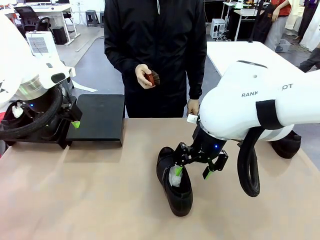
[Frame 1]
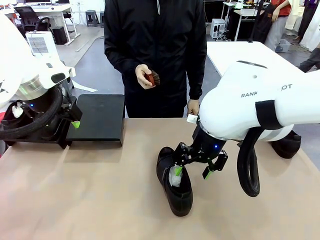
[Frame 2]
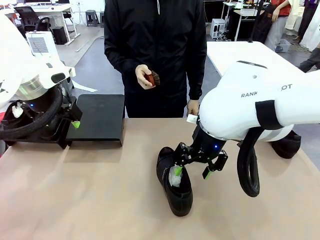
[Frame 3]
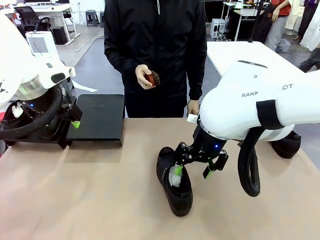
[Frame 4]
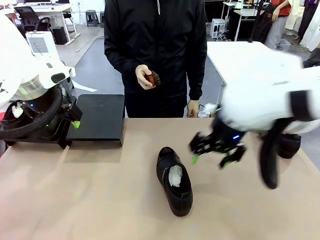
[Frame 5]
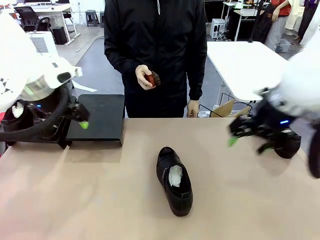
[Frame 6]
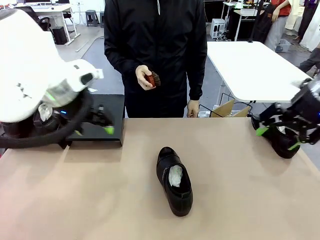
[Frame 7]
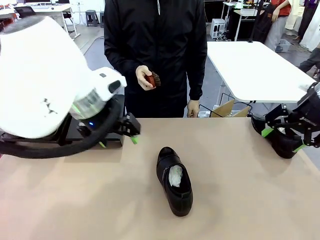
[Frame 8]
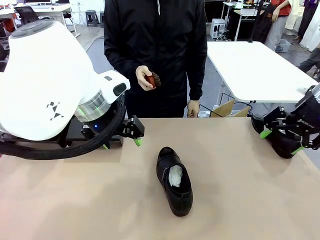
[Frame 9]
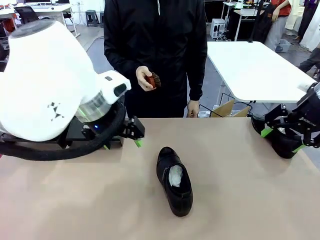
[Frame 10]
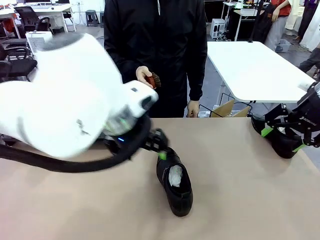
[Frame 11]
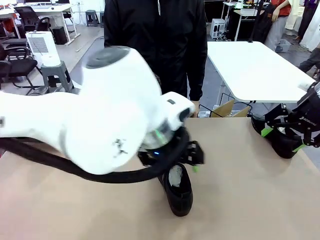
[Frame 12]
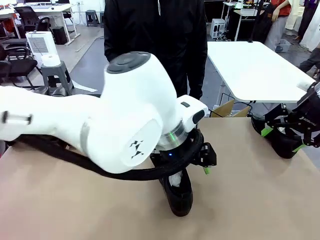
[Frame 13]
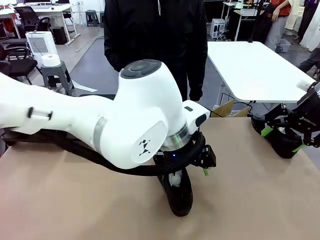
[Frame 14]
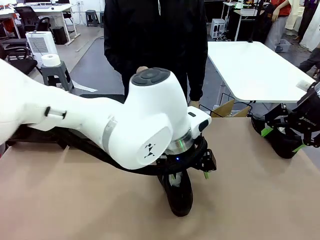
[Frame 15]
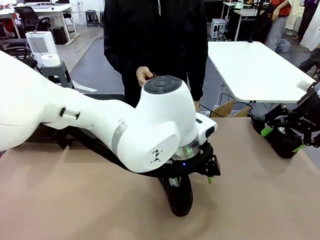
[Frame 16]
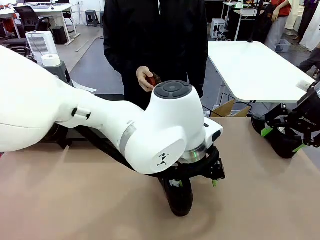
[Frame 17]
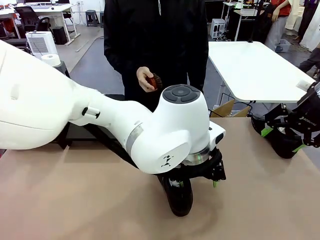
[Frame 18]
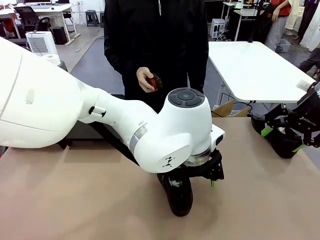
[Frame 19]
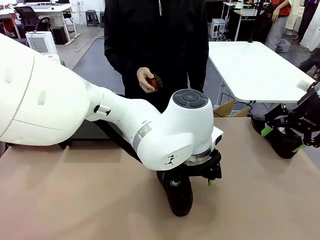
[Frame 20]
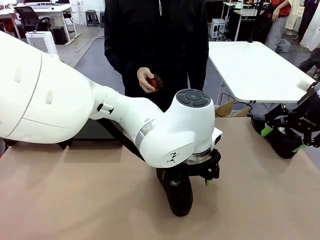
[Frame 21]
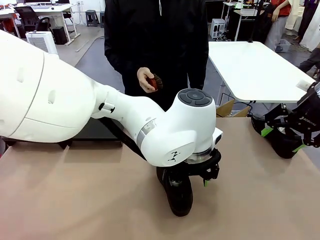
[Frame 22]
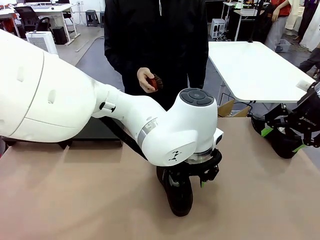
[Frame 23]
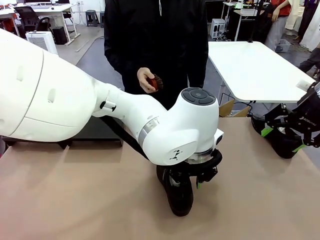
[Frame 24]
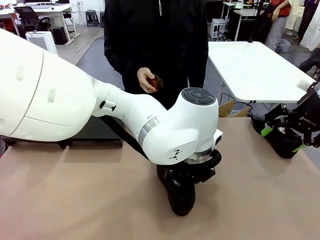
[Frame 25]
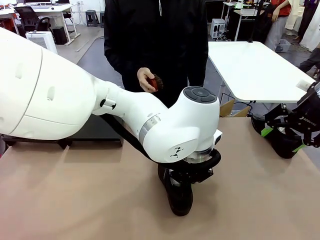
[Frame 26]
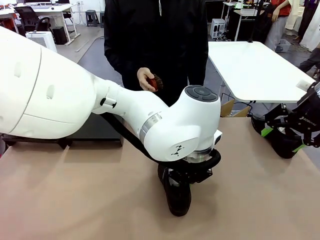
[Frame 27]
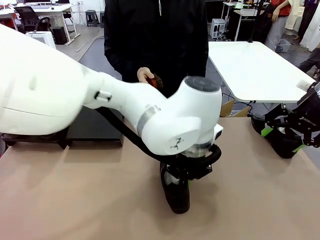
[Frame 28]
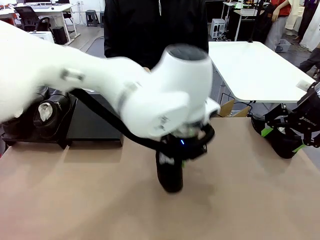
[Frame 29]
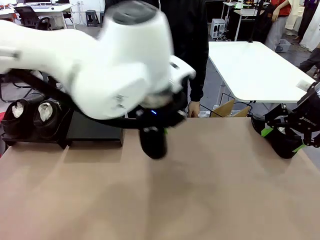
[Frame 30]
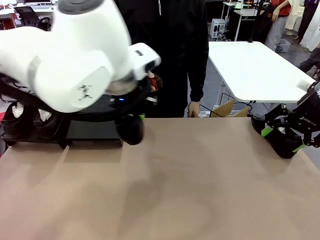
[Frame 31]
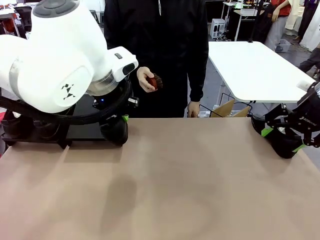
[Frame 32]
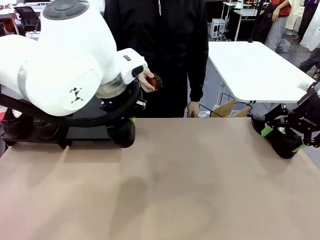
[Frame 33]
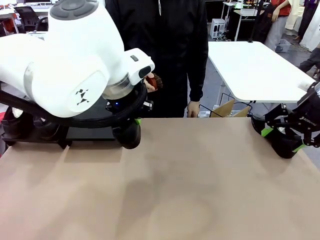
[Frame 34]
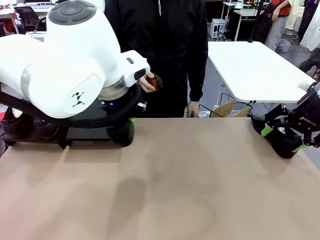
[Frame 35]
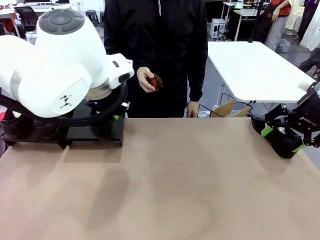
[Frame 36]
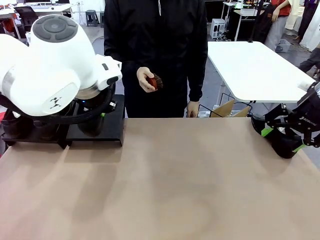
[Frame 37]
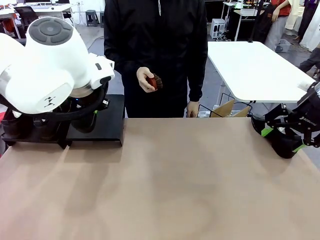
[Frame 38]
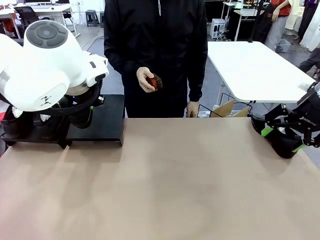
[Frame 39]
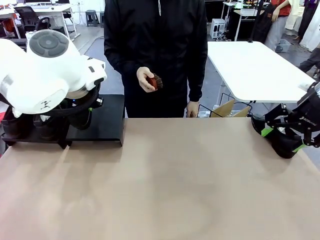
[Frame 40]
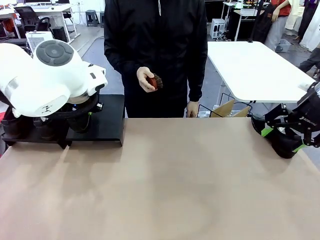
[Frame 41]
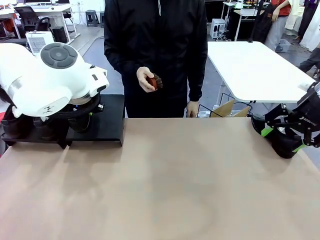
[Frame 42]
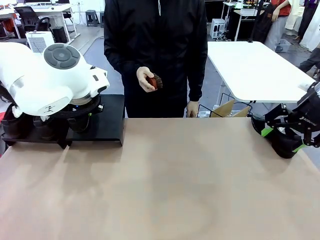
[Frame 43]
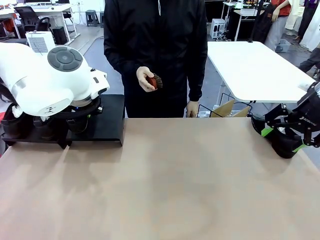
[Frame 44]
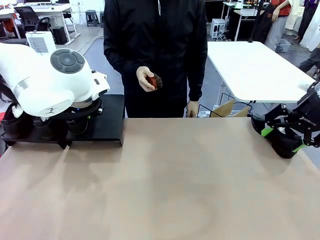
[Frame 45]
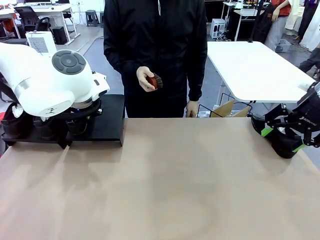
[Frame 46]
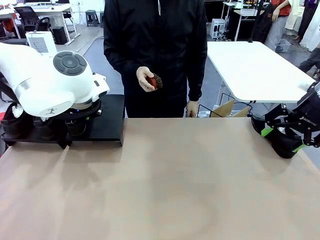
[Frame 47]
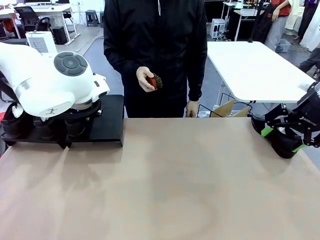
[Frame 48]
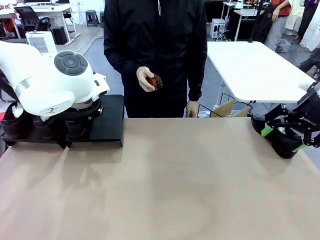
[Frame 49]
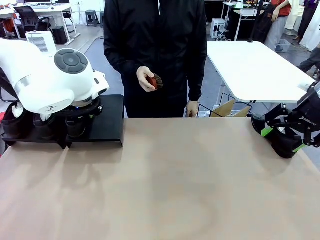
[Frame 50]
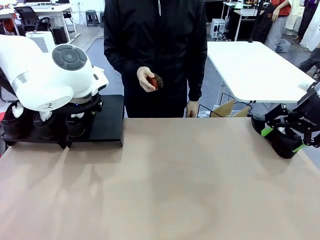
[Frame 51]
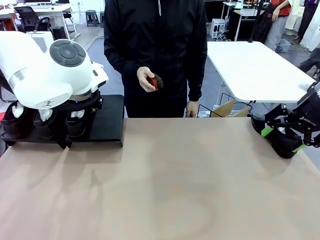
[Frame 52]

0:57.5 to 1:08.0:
Task: Organize the shoes by placing them on the stand.
Robot: Place the Shoe from the middle of the table onto the Shoes Stand.

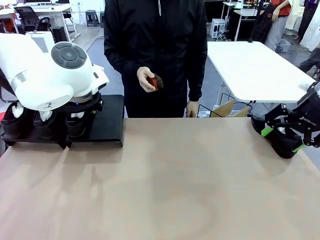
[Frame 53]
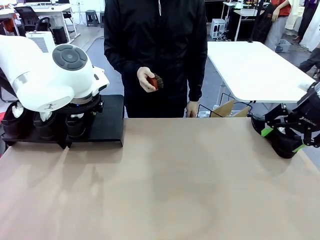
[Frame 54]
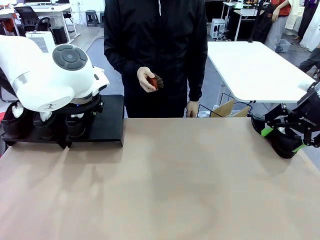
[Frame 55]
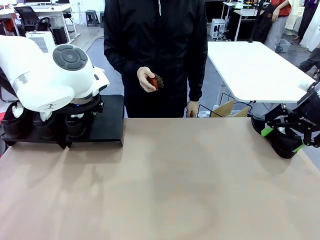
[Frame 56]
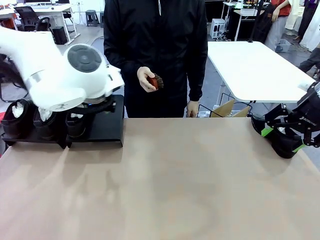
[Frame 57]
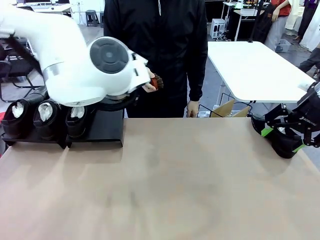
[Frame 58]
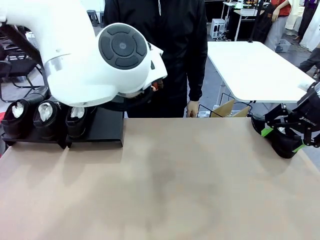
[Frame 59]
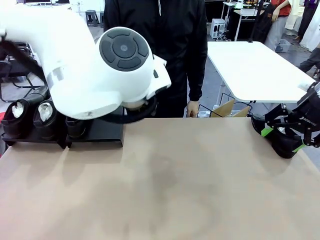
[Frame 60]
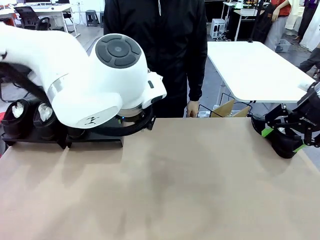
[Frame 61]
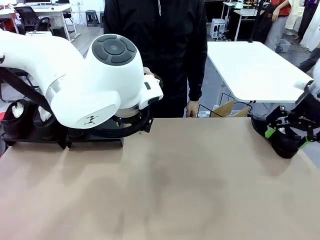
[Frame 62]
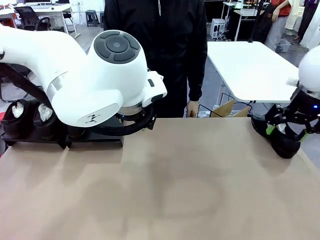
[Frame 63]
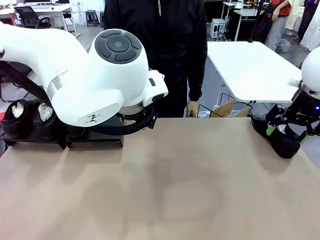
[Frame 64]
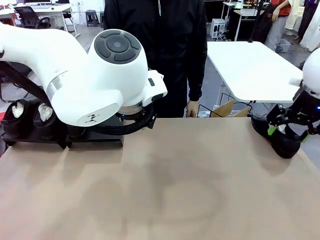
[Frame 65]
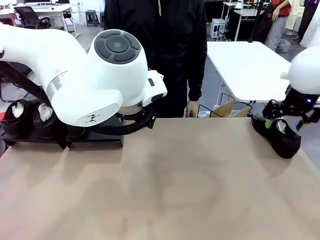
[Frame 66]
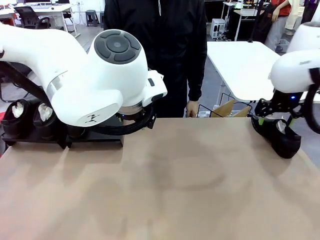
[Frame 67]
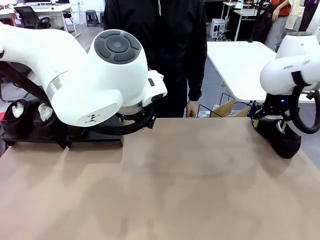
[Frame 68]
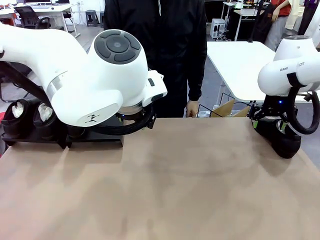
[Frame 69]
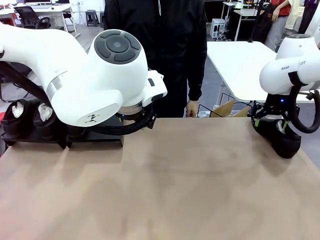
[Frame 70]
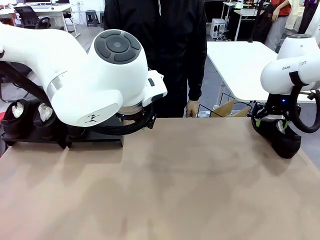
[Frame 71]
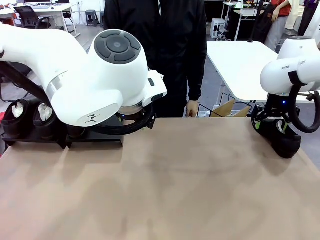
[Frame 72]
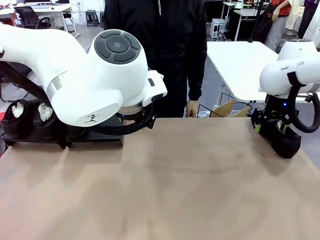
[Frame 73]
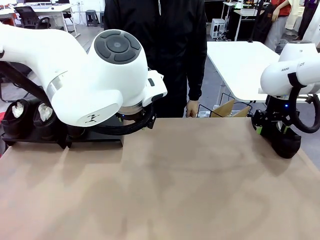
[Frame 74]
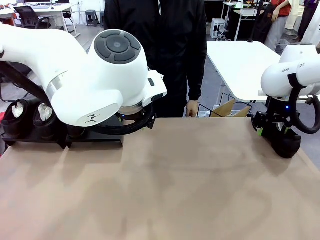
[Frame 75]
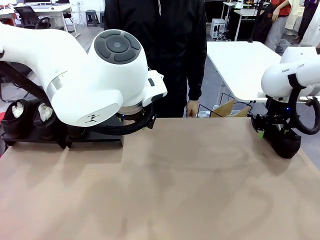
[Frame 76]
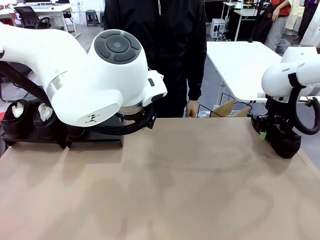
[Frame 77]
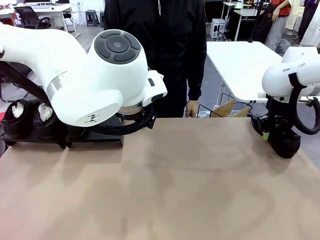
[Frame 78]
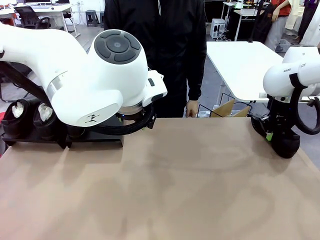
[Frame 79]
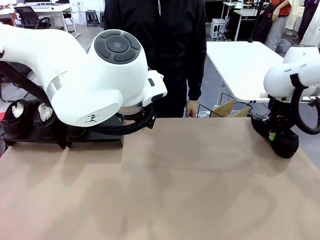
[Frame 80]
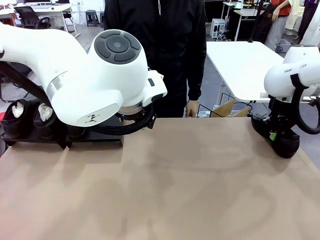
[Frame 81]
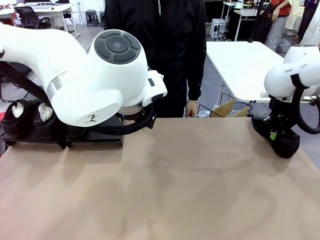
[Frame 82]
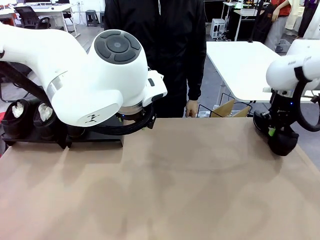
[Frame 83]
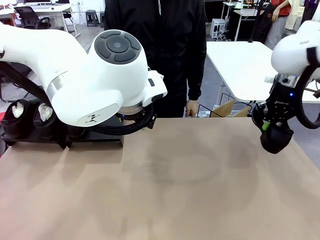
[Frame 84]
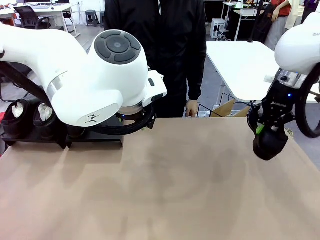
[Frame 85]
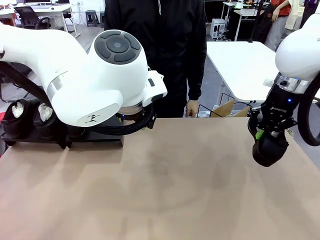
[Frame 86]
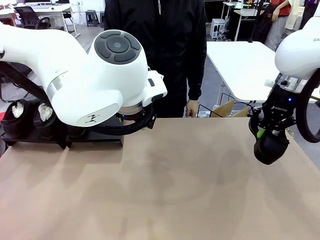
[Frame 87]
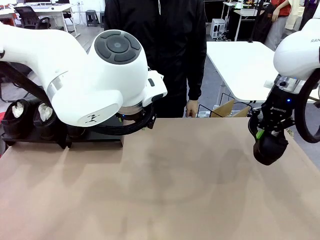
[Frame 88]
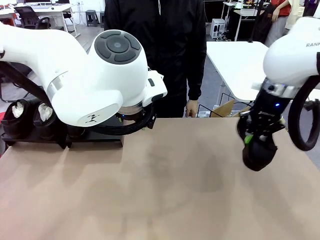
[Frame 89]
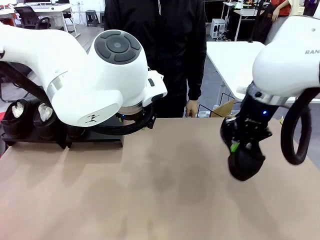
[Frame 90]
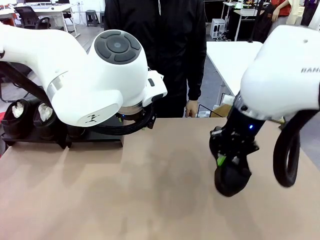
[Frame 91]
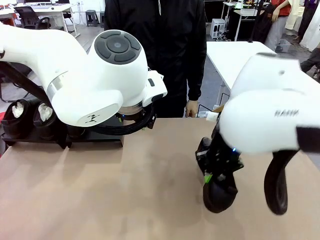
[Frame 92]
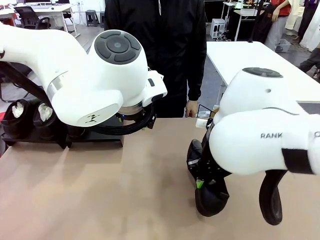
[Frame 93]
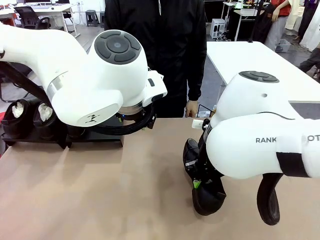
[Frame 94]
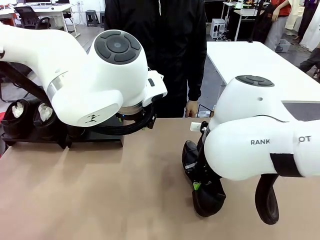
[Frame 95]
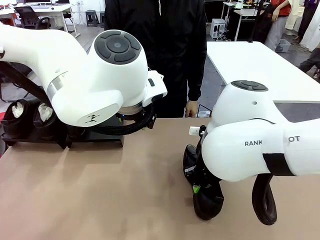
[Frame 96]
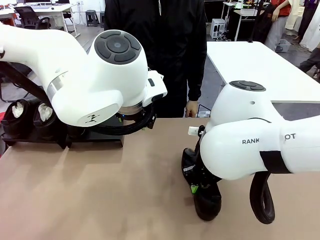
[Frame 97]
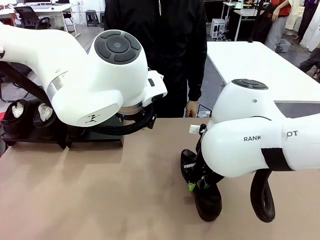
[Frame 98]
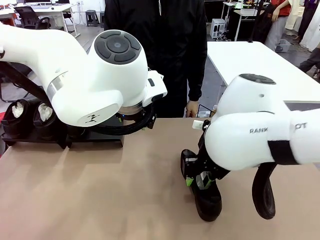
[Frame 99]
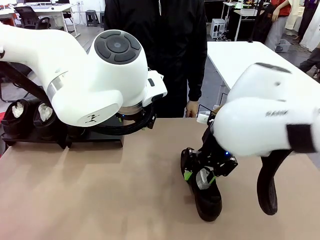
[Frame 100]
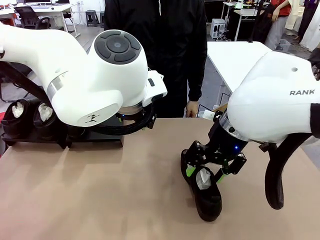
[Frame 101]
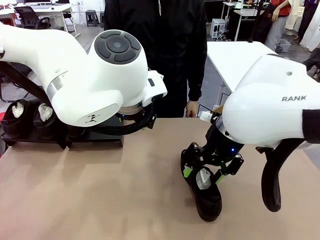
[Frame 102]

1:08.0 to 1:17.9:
Robot: Pick up one Shoe and place it in the middle of the table.
